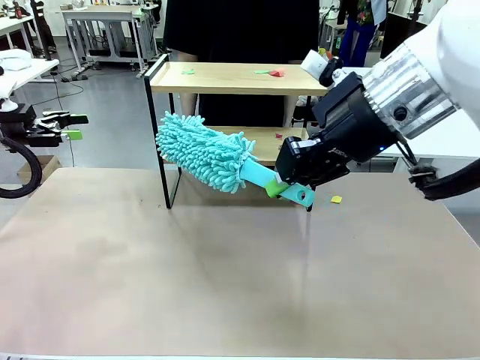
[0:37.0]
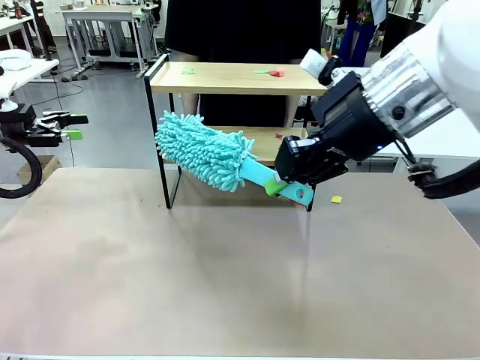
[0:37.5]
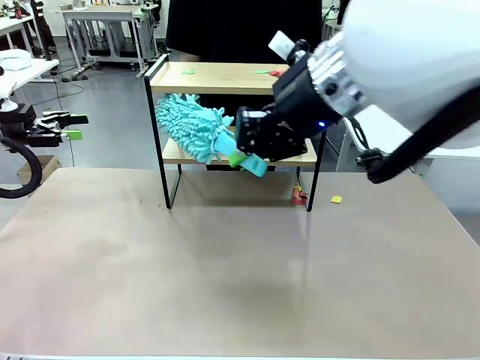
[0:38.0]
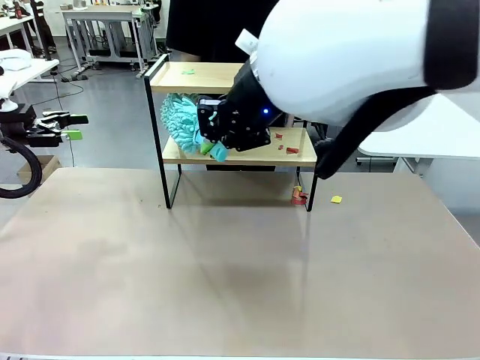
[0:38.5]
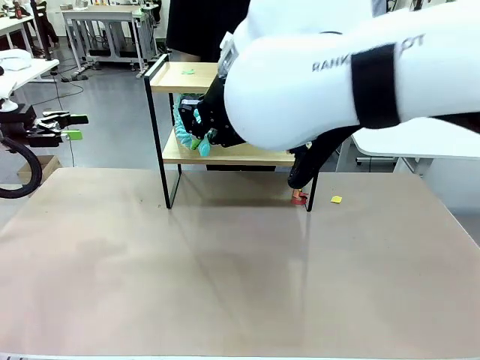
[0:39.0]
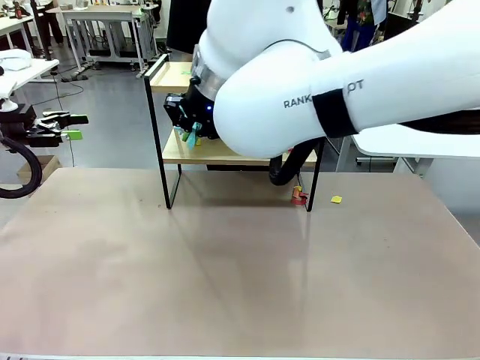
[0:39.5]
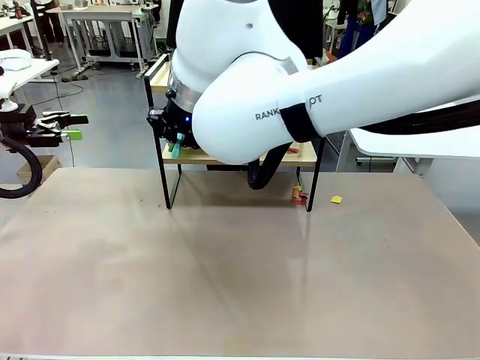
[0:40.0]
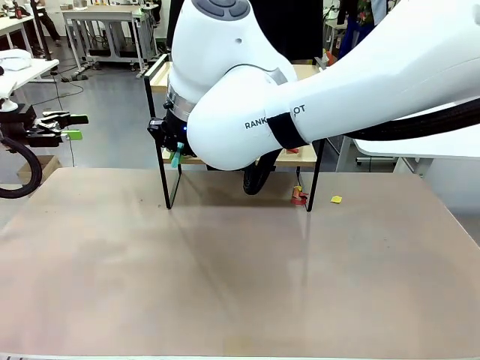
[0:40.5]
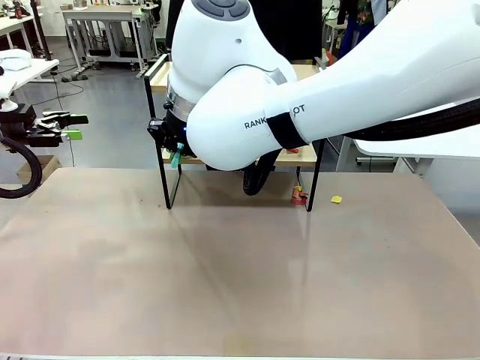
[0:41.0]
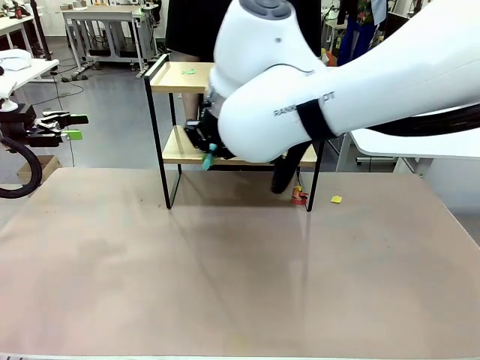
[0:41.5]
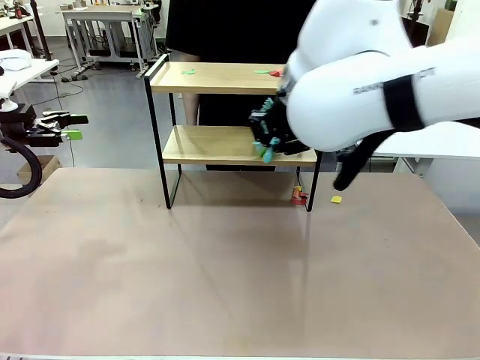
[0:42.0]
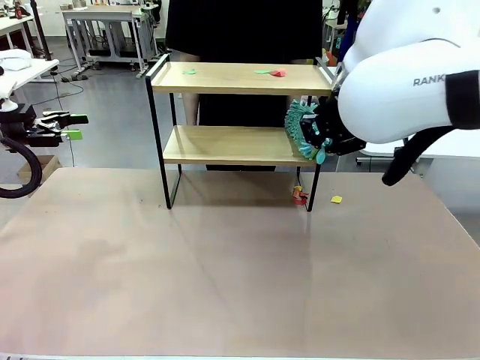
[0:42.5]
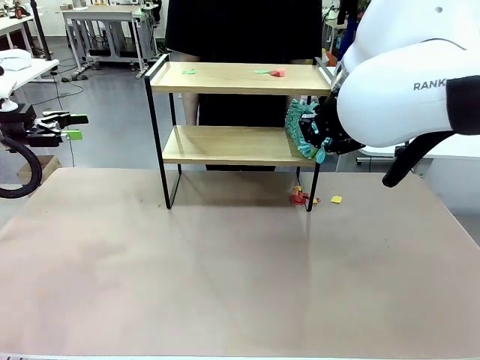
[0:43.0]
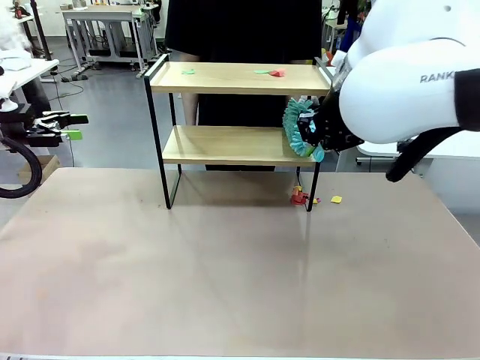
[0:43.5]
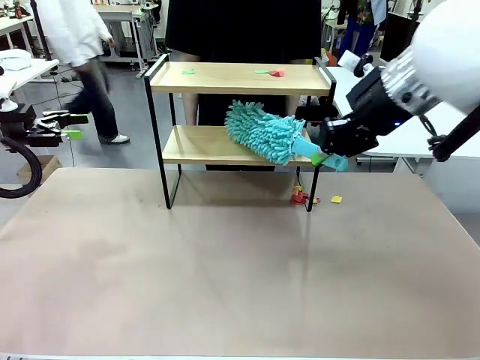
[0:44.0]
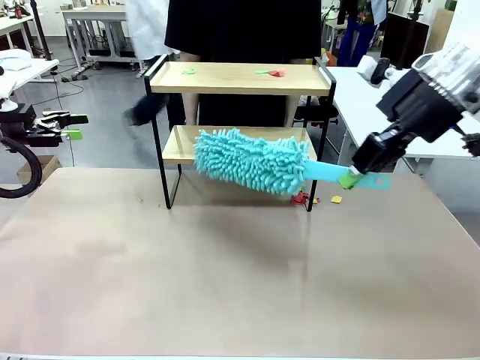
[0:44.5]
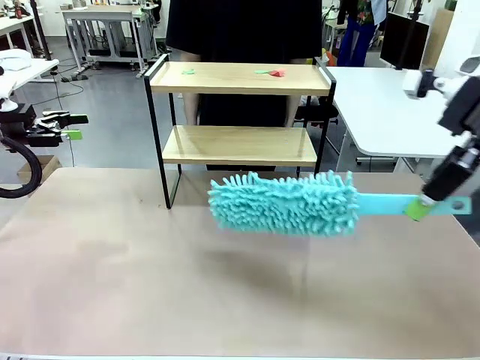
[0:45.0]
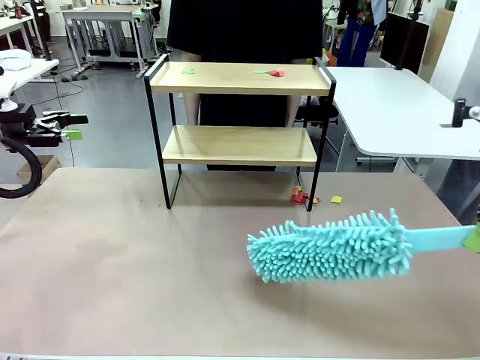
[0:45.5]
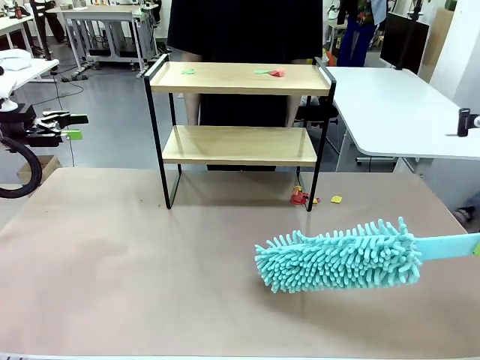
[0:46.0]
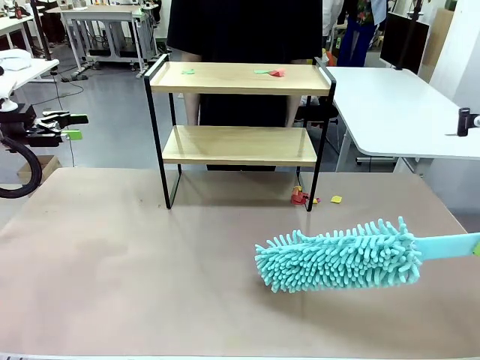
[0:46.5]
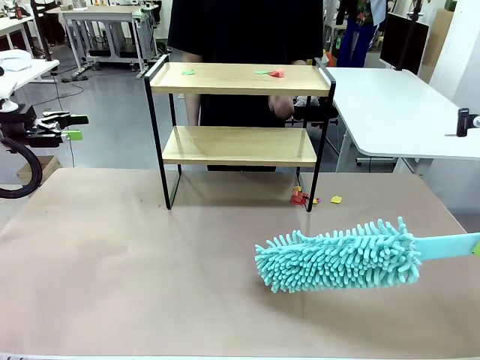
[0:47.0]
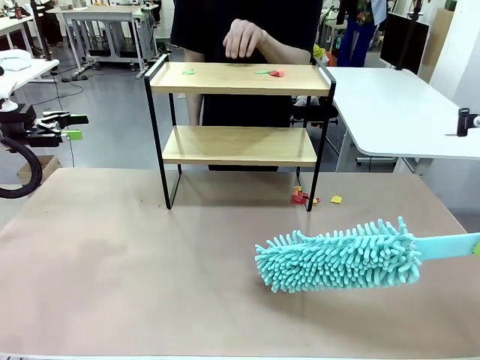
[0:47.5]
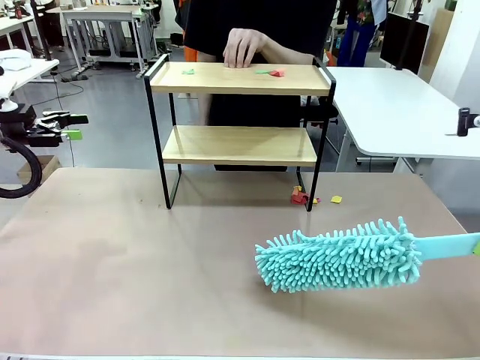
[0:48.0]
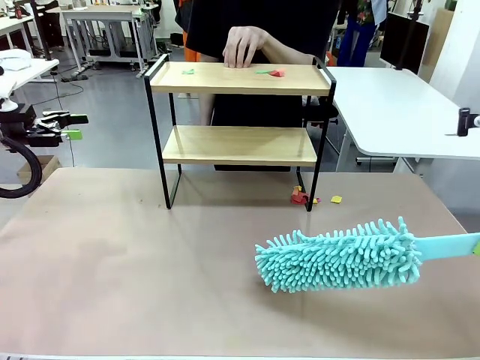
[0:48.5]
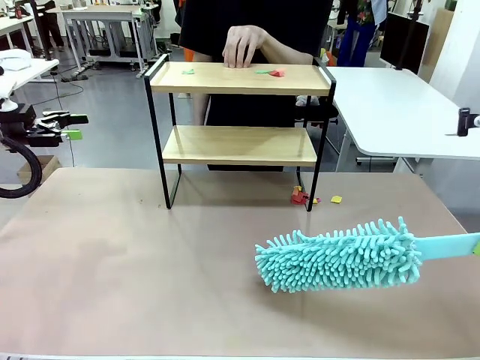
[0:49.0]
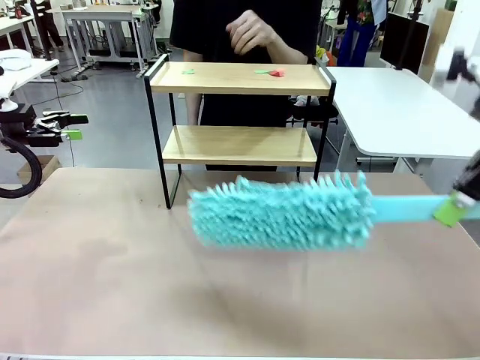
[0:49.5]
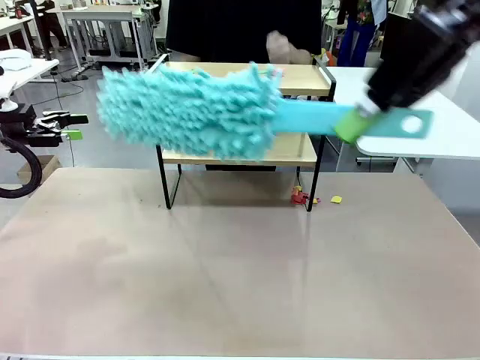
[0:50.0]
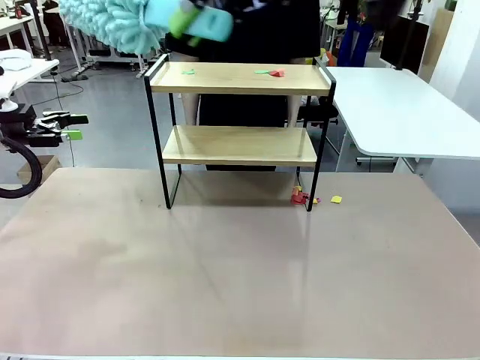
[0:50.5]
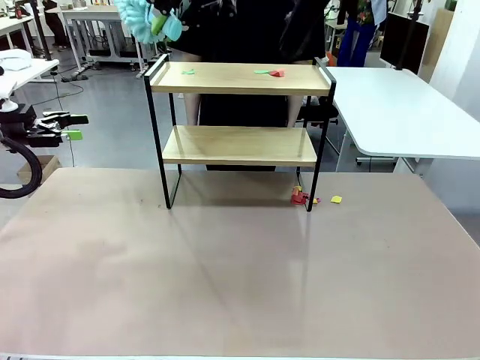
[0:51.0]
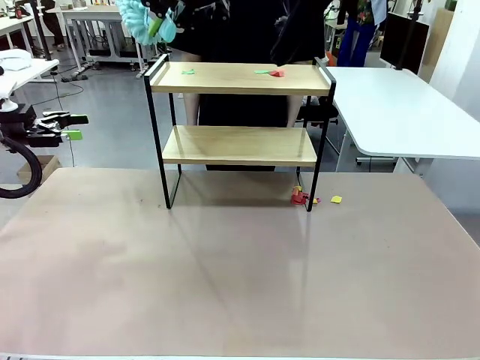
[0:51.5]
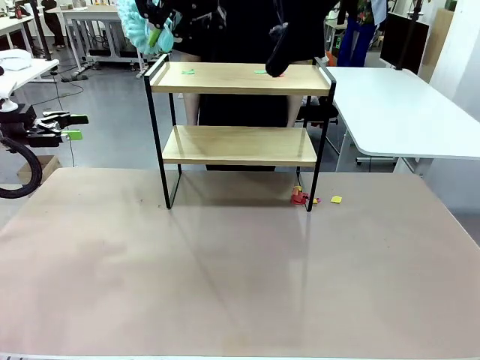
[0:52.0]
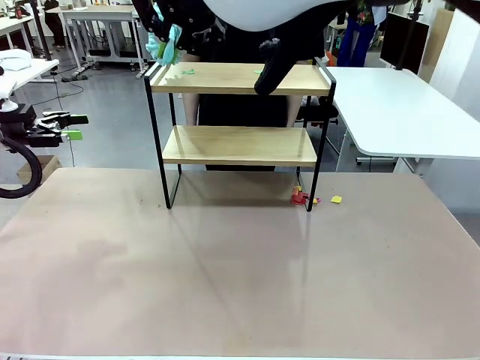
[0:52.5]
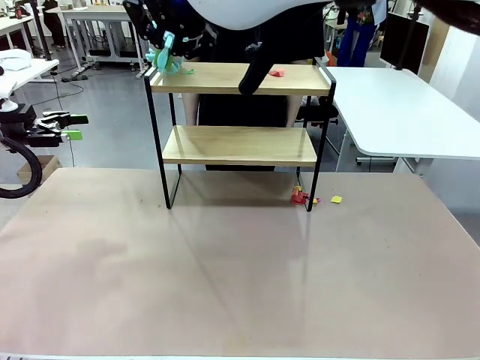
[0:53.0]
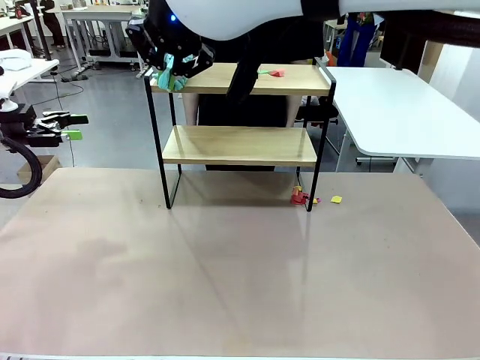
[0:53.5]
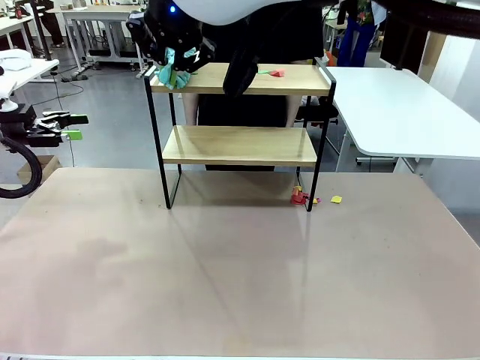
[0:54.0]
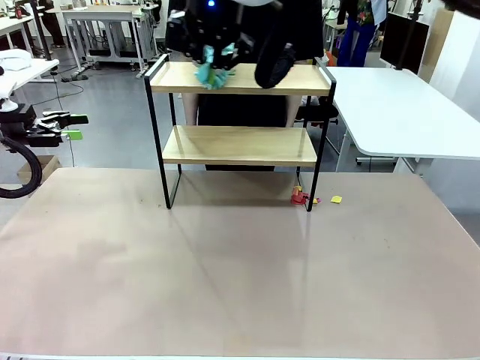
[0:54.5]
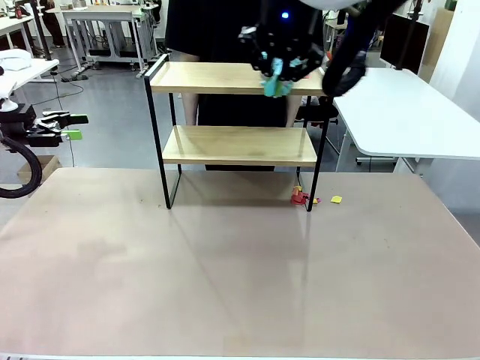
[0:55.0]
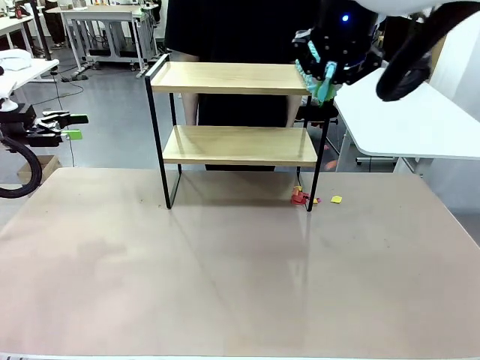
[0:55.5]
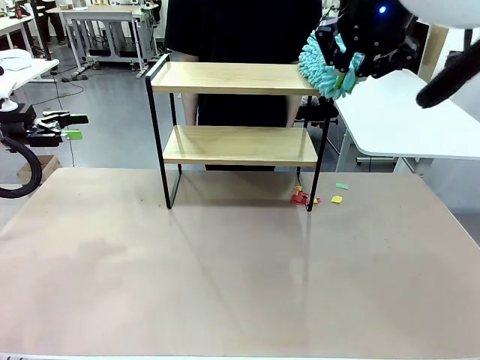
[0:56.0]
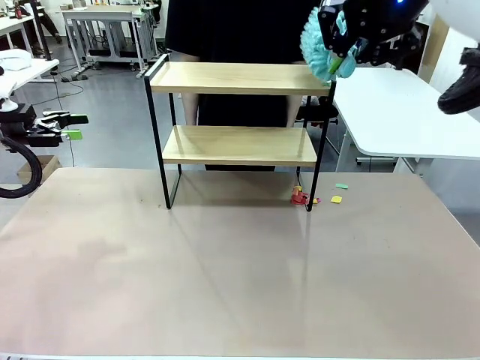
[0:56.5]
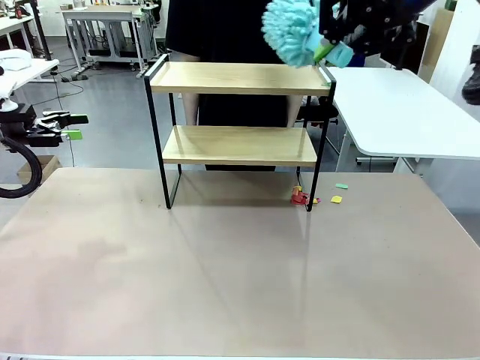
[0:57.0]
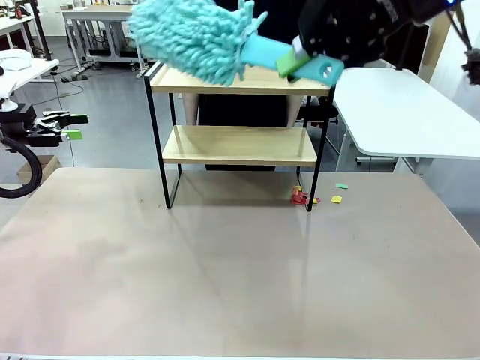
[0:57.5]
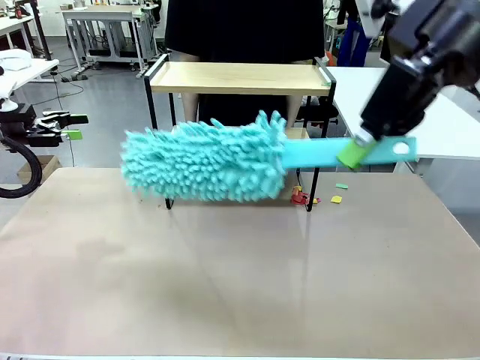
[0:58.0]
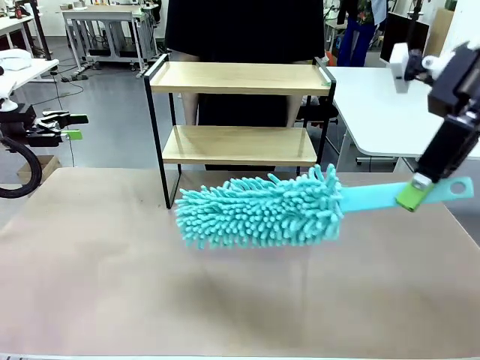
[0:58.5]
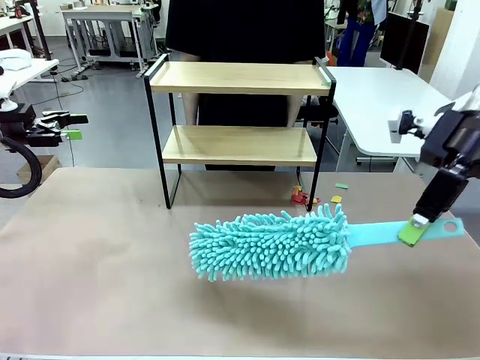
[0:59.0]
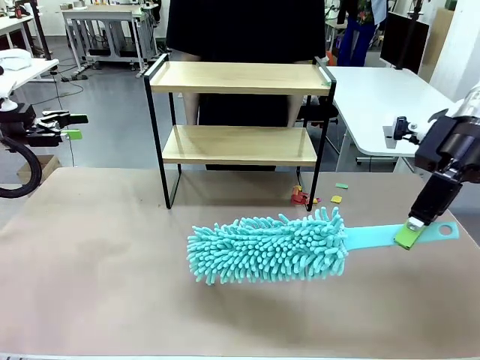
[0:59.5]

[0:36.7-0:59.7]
Task: Clean the shelf.
Robot: Clean the specific section of the Shelf indicated by the human with the Duster.
Person: Point a remaining section of the Shelf.

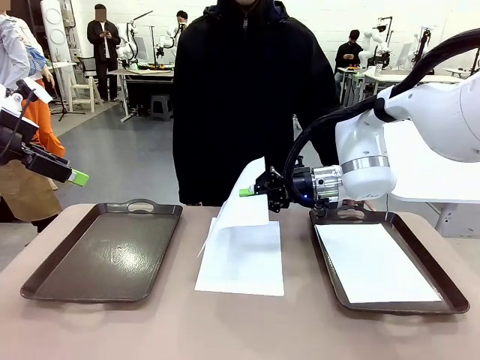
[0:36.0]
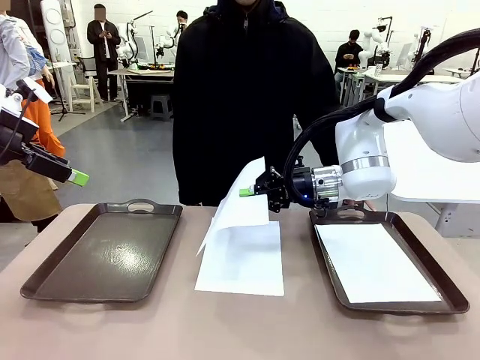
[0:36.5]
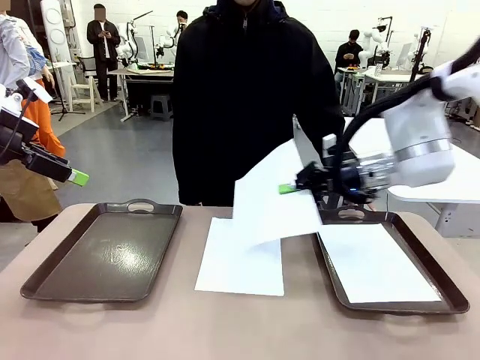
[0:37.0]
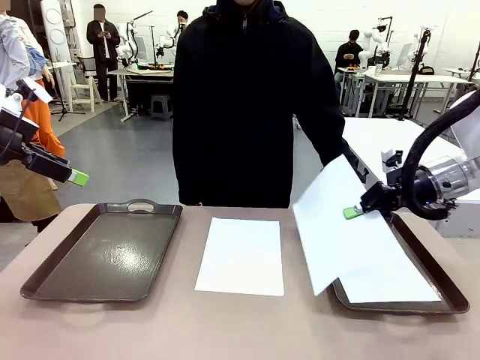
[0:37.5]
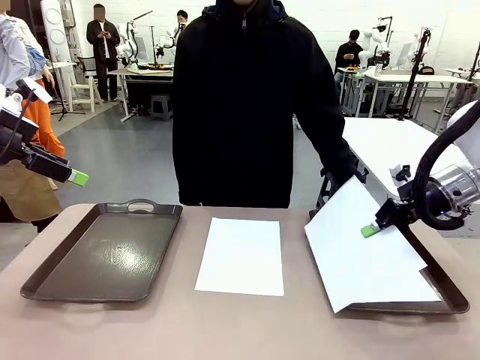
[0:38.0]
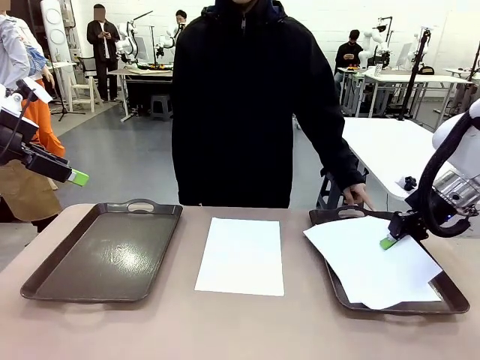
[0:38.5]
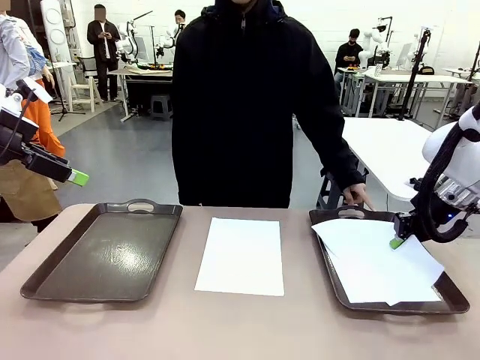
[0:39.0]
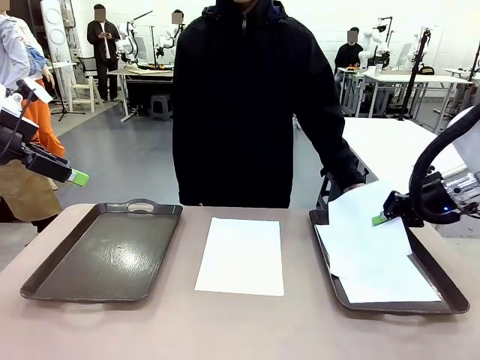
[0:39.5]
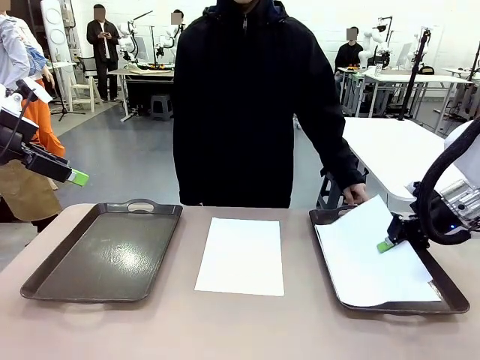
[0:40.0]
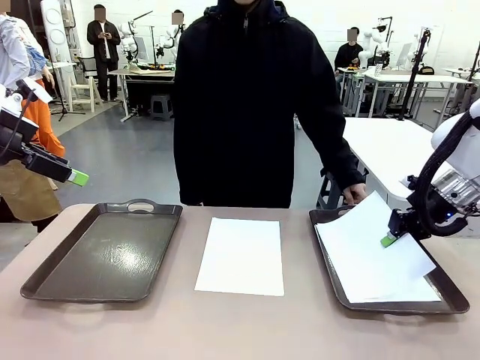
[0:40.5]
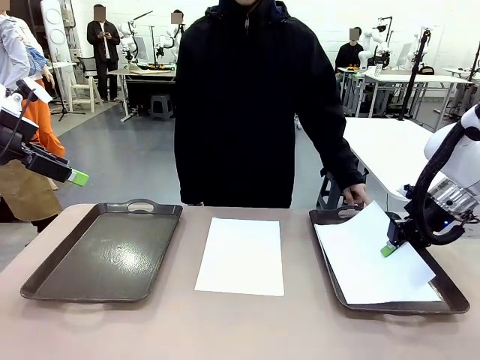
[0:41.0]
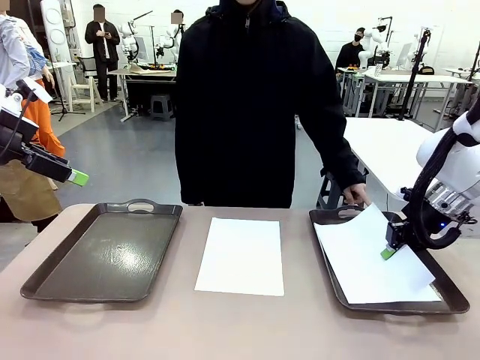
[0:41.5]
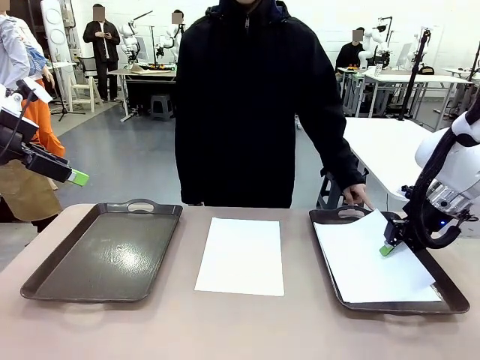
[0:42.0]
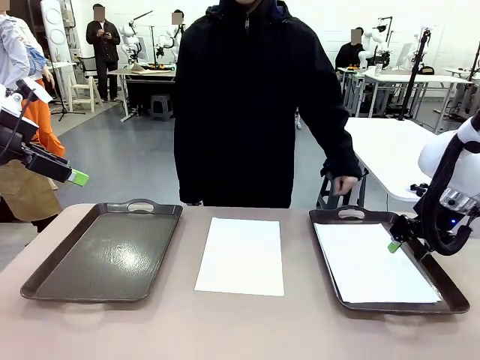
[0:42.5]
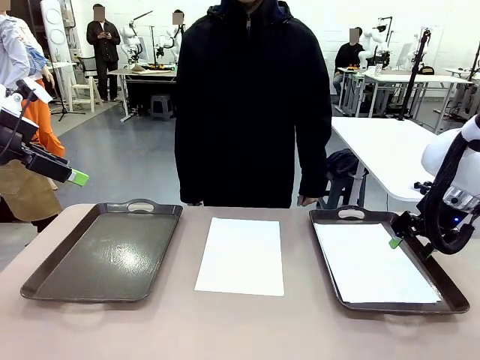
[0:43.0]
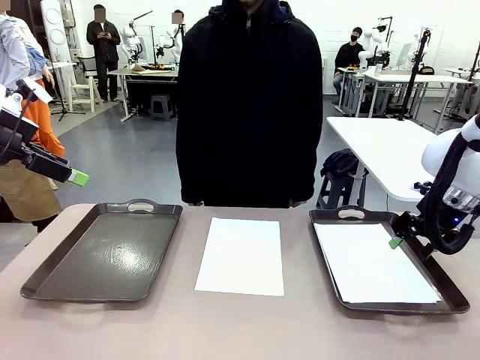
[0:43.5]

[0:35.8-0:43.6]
Task: Sort the A4 documents.
Robot: Place the A4 Paper in the designated Handle tray.
